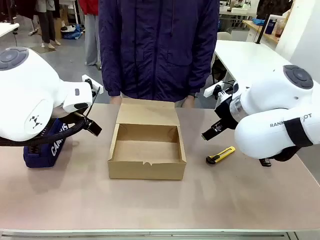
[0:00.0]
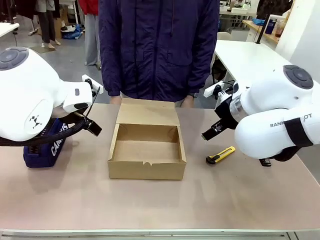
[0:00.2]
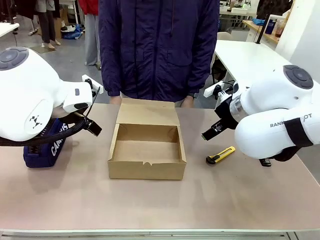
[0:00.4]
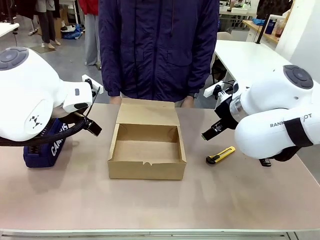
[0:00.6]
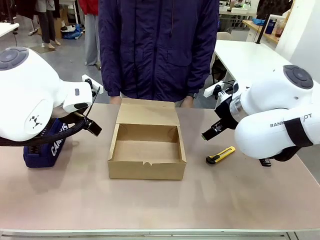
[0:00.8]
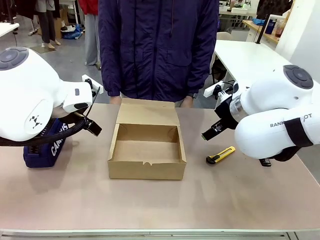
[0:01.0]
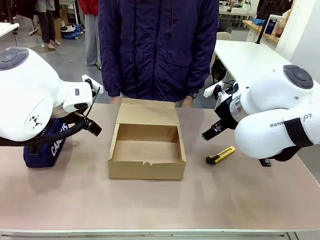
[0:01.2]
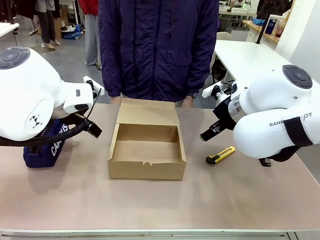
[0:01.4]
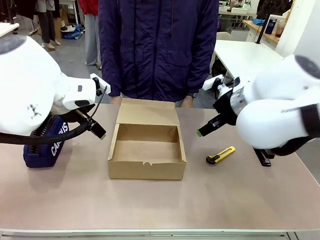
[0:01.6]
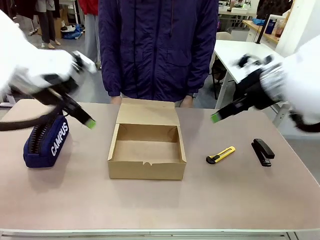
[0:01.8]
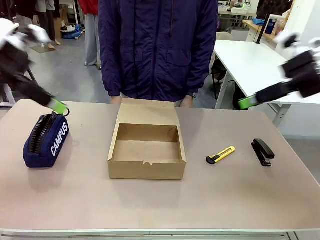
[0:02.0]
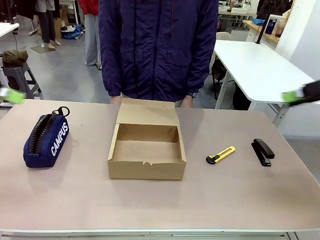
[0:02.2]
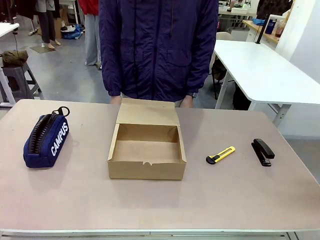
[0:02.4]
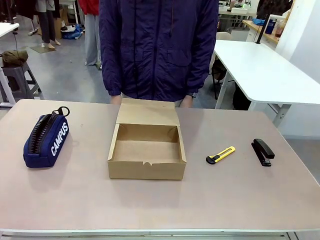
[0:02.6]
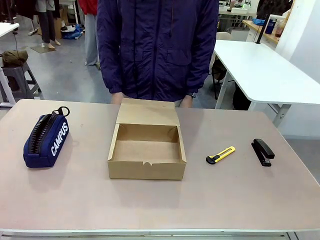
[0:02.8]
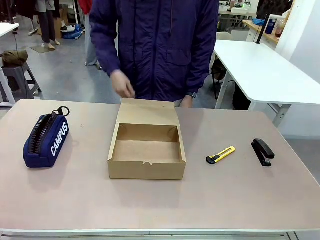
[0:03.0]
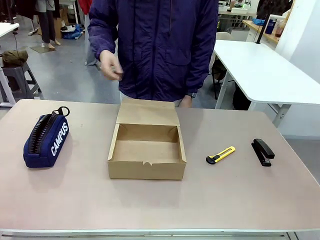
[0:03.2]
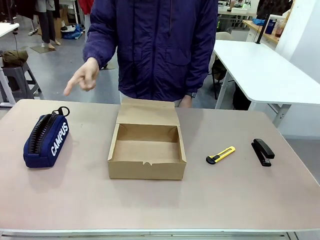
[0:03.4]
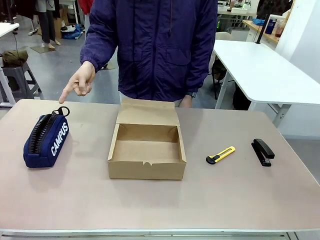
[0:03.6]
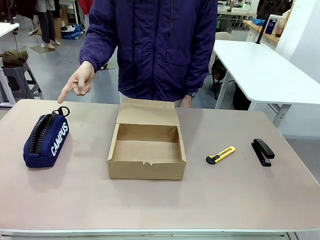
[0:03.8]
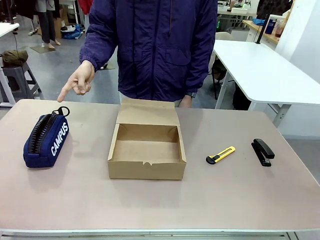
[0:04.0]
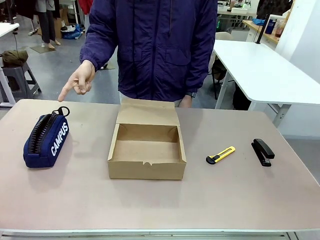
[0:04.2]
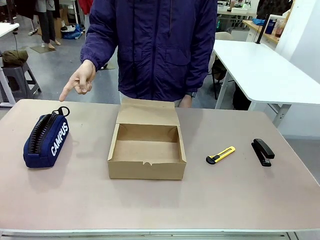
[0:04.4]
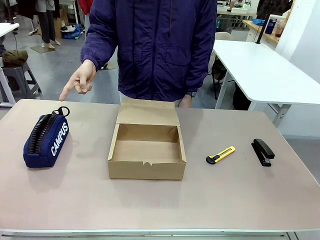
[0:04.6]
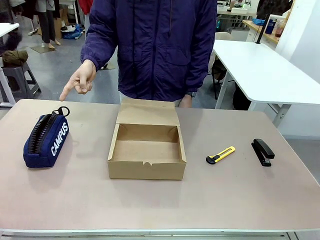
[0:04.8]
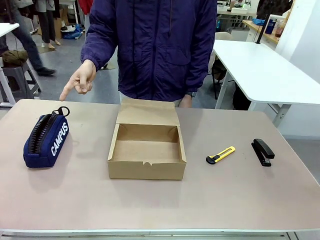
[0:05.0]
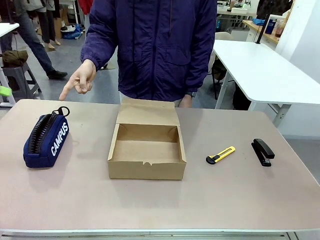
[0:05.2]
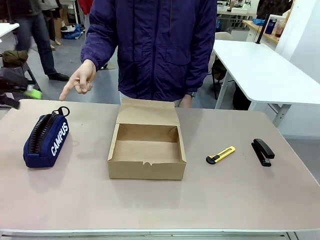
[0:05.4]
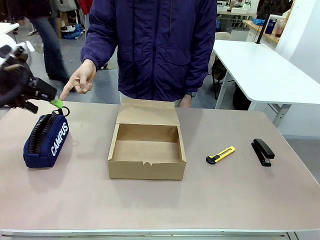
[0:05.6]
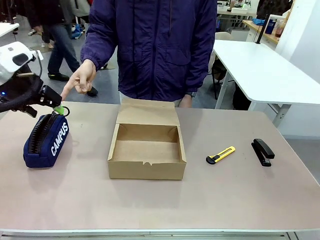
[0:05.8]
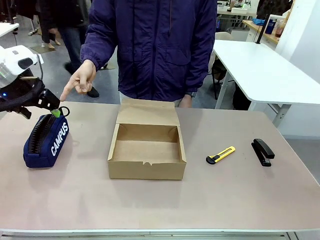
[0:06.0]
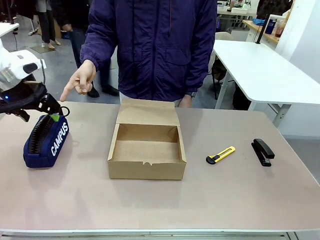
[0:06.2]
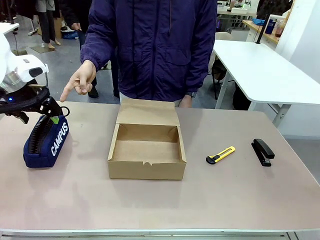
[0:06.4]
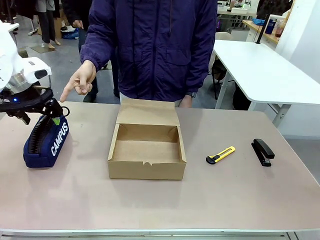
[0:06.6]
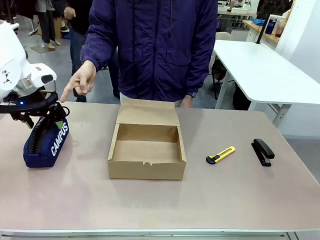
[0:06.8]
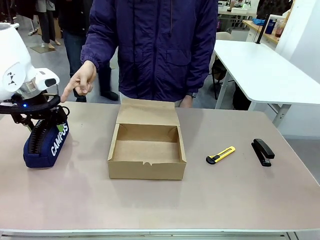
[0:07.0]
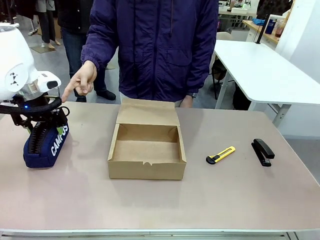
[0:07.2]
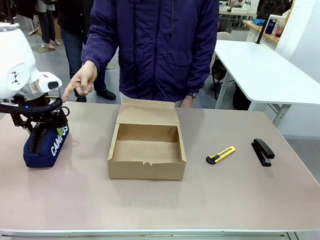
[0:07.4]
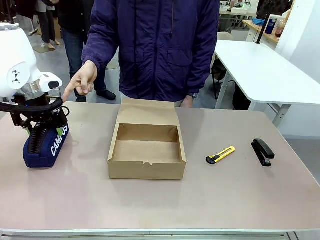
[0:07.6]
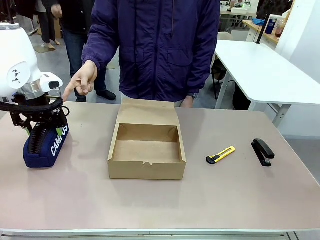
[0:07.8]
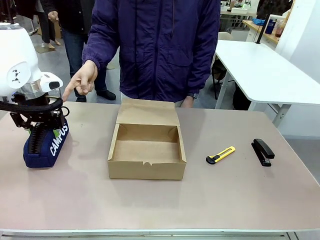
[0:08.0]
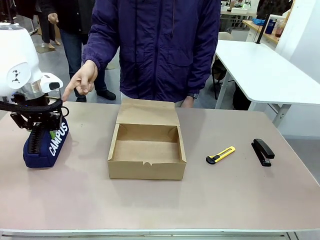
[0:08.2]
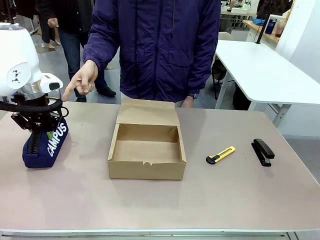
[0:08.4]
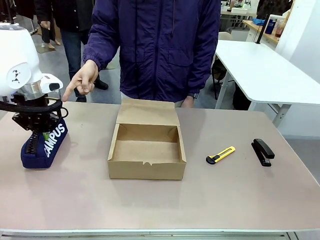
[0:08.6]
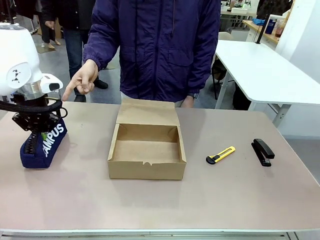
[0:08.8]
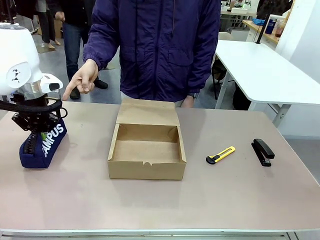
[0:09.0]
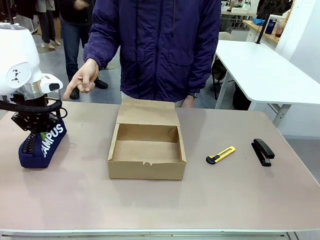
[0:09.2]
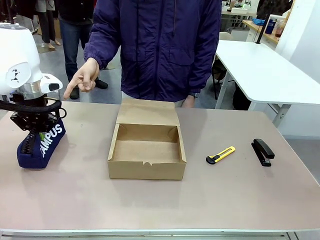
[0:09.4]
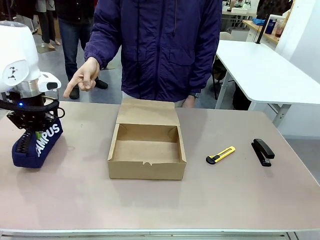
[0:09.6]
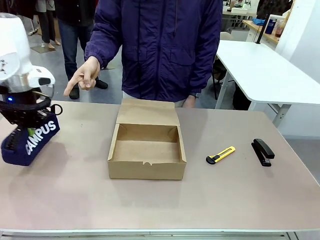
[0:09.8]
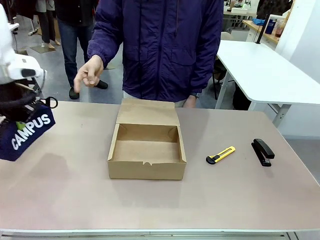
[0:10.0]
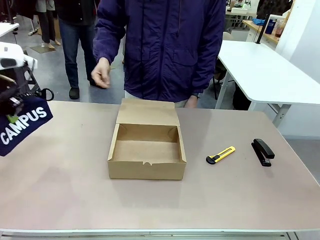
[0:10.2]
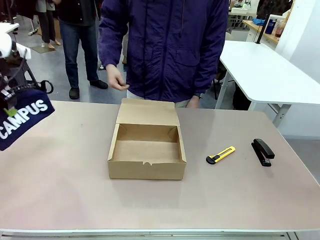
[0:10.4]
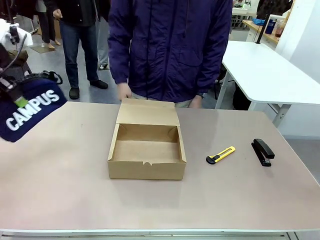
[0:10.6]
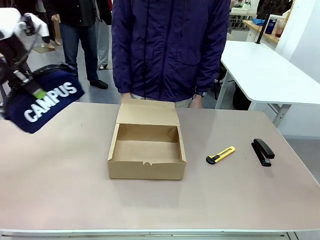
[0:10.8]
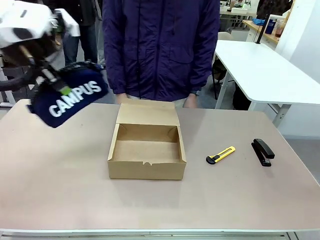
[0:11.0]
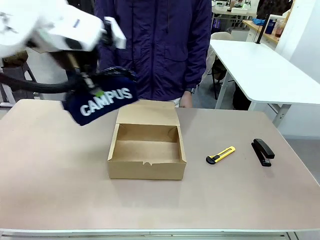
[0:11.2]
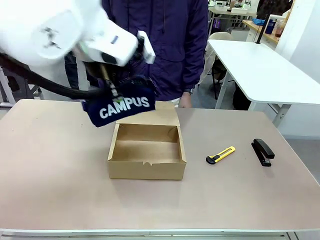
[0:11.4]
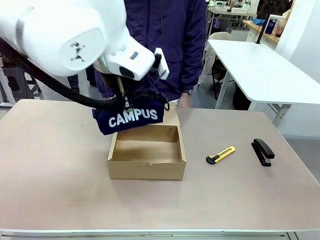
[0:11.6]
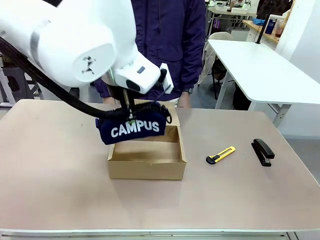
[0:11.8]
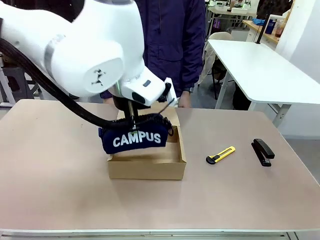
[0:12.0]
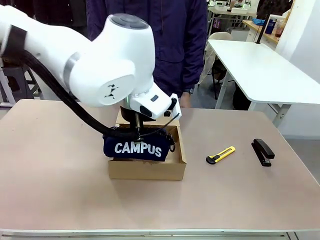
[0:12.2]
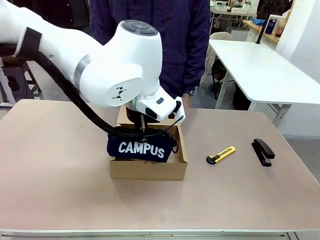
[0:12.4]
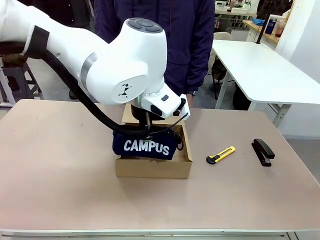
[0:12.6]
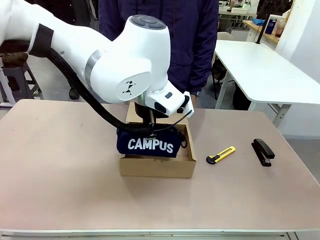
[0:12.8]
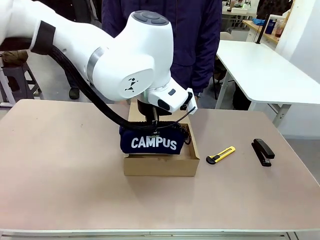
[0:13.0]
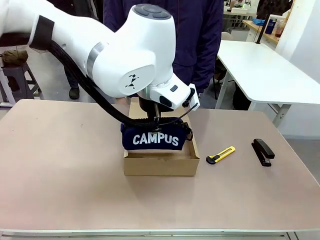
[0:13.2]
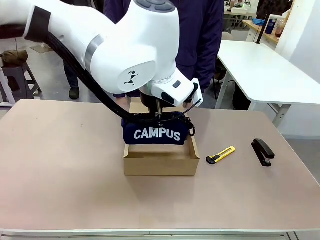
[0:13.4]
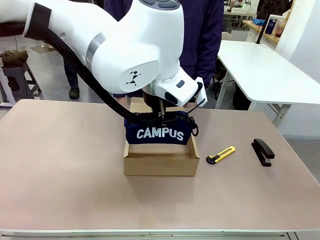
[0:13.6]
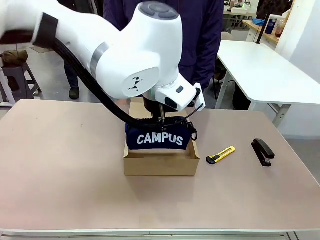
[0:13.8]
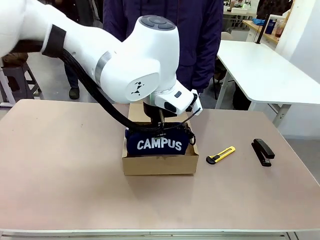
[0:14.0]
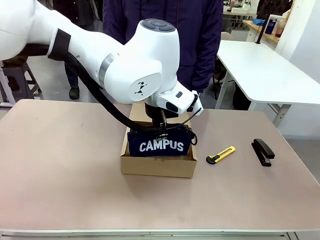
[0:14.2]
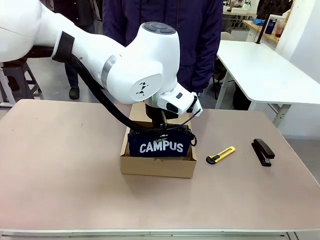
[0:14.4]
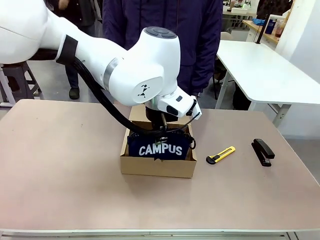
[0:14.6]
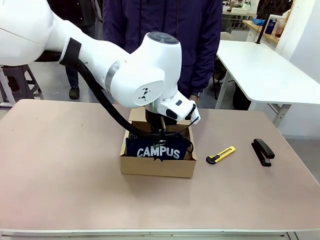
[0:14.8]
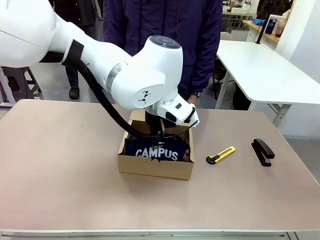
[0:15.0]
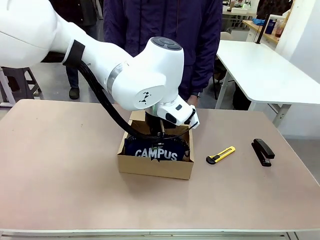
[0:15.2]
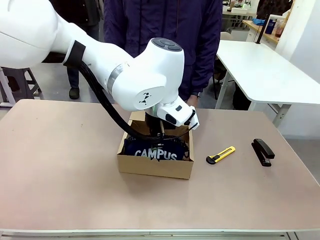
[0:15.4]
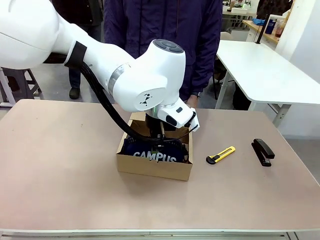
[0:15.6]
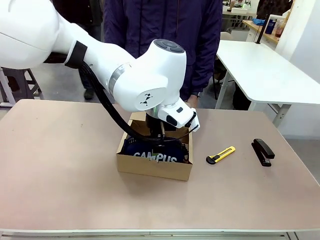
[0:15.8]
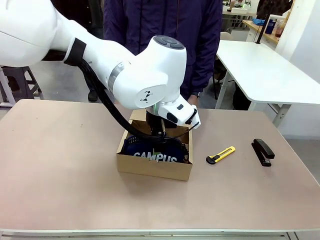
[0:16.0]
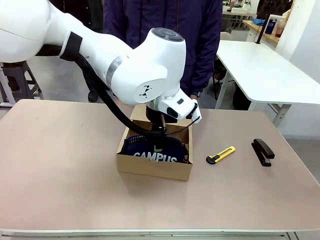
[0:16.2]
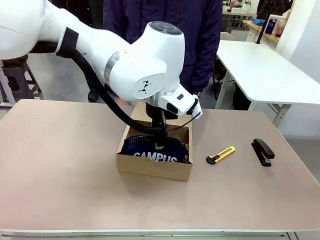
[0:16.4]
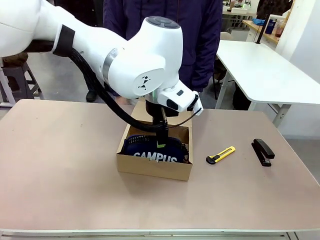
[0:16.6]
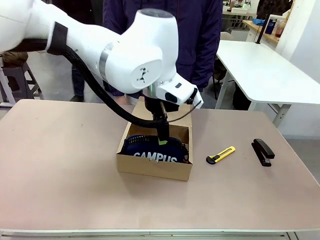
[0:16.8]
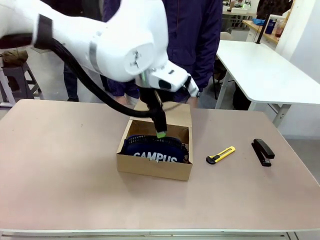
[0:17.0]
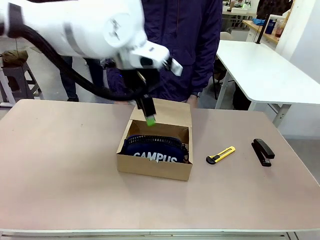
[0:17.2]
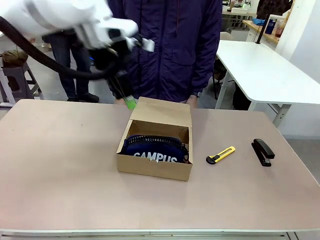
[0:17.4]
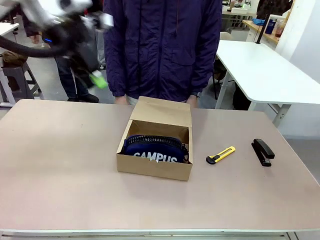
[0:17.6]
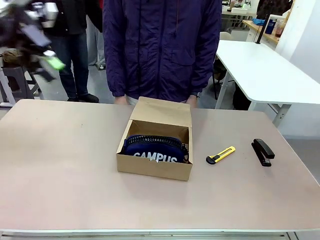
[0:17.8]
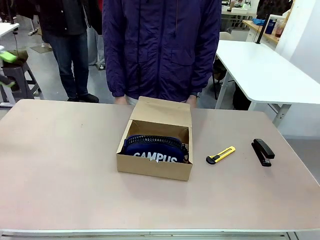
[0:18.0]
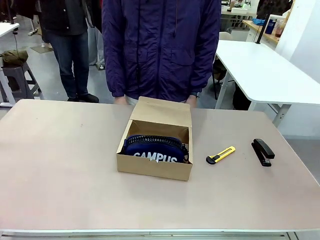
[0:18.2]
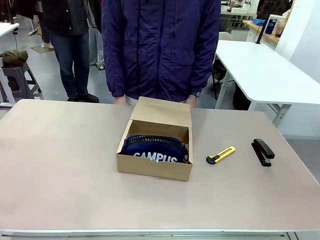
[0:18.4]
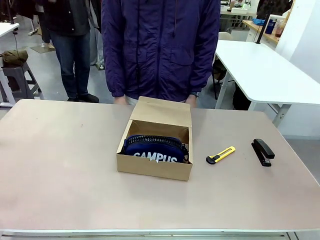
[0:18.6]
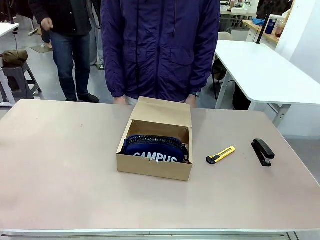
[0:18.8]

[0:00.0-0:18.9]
Task: Pack the item into the box.
Robot: Pick up the item indicated by the person and place it inside the Mailer Box.
Person: Point at one item on the table (excluding the box).
